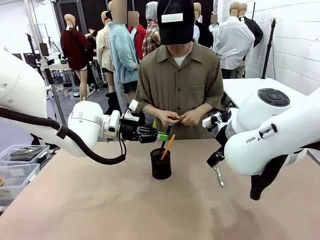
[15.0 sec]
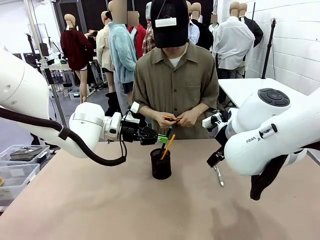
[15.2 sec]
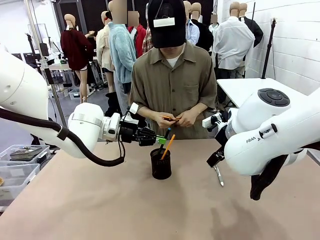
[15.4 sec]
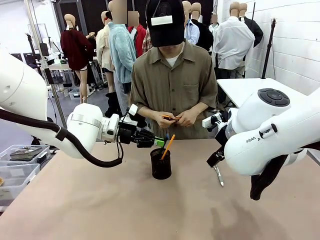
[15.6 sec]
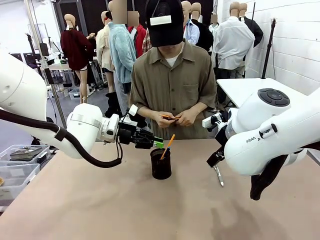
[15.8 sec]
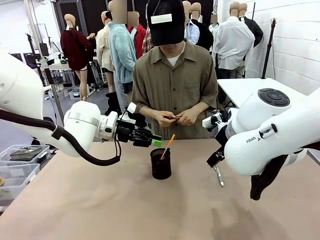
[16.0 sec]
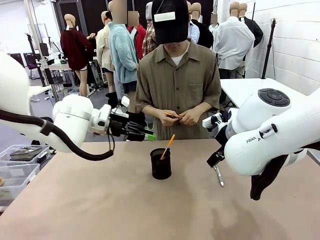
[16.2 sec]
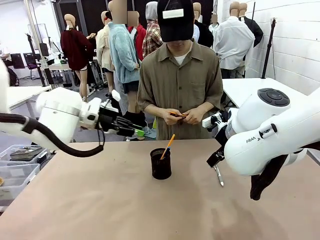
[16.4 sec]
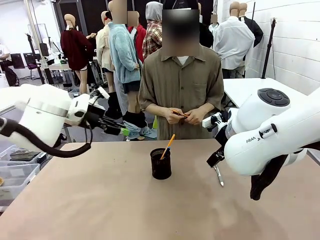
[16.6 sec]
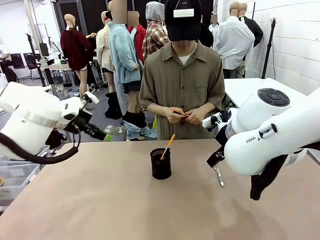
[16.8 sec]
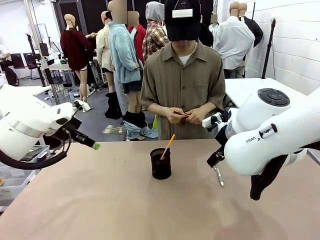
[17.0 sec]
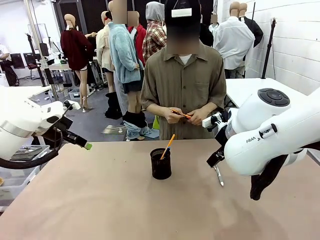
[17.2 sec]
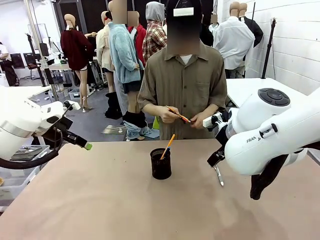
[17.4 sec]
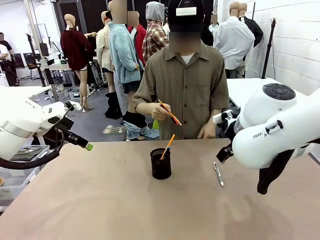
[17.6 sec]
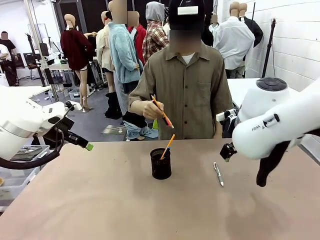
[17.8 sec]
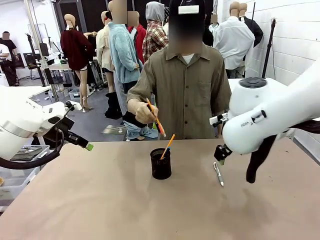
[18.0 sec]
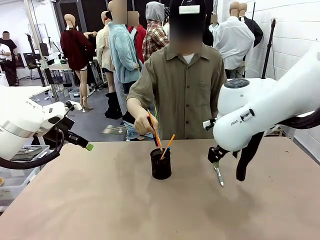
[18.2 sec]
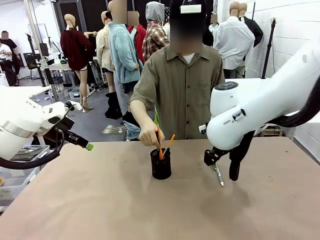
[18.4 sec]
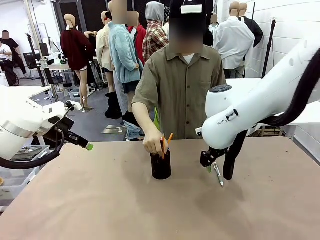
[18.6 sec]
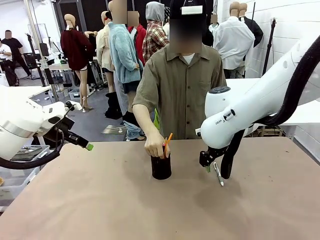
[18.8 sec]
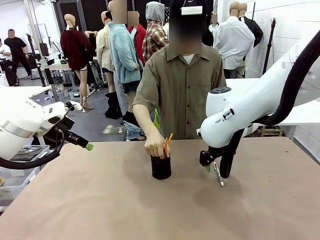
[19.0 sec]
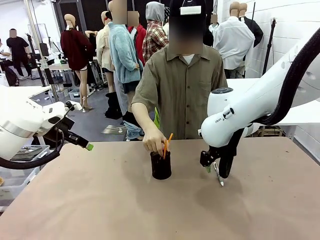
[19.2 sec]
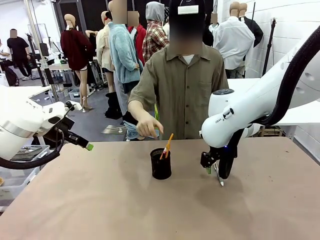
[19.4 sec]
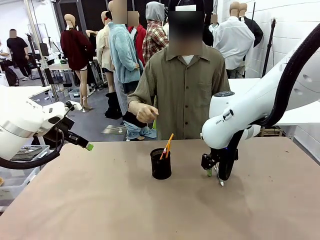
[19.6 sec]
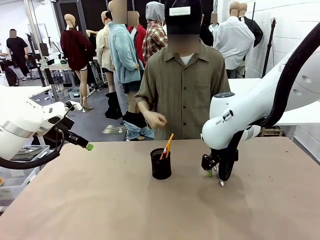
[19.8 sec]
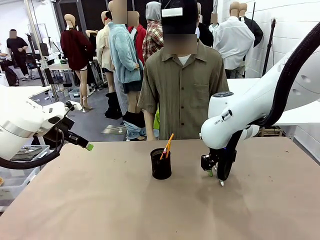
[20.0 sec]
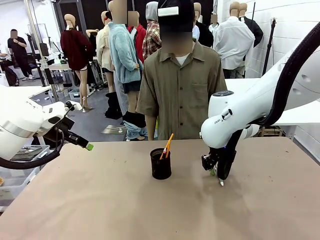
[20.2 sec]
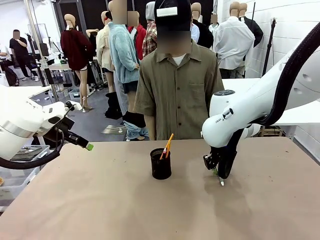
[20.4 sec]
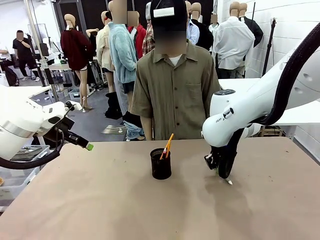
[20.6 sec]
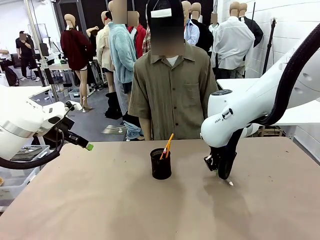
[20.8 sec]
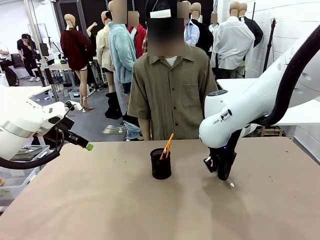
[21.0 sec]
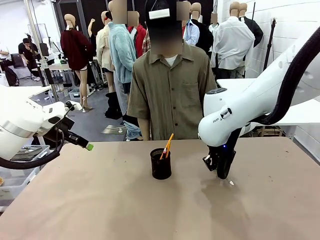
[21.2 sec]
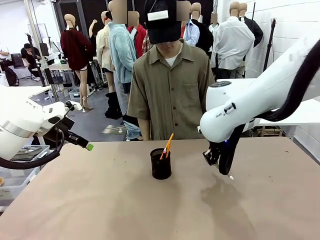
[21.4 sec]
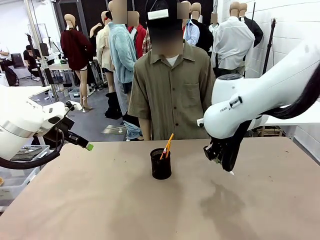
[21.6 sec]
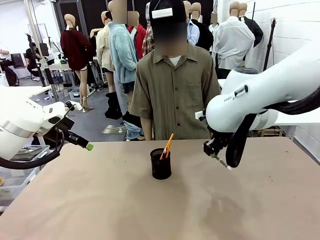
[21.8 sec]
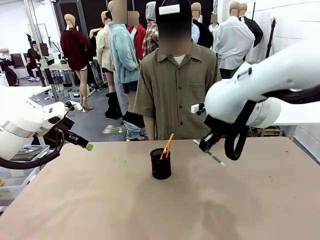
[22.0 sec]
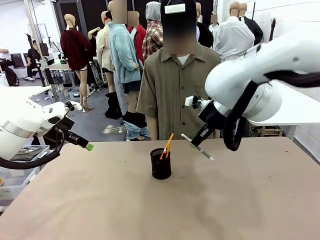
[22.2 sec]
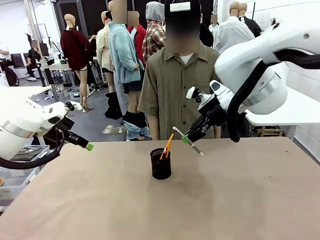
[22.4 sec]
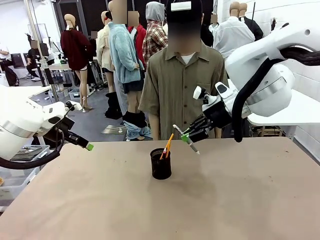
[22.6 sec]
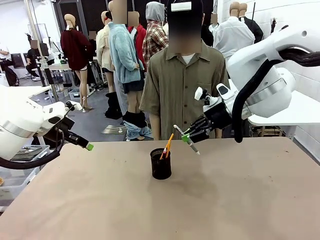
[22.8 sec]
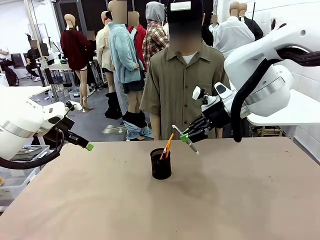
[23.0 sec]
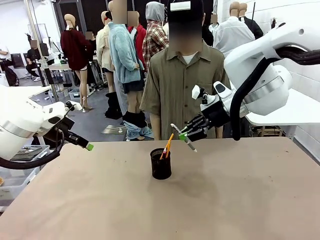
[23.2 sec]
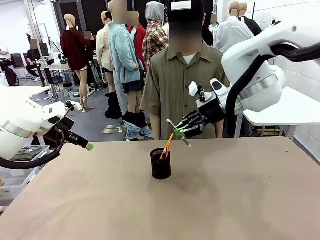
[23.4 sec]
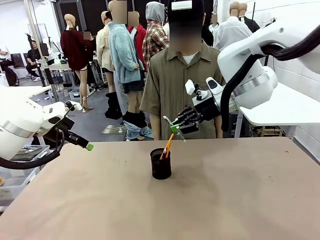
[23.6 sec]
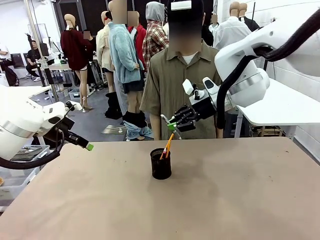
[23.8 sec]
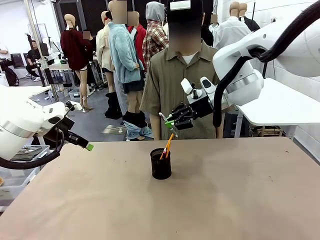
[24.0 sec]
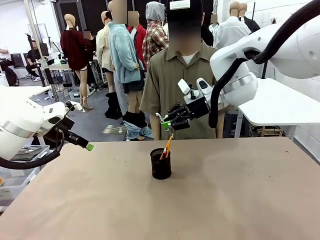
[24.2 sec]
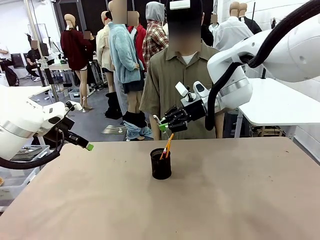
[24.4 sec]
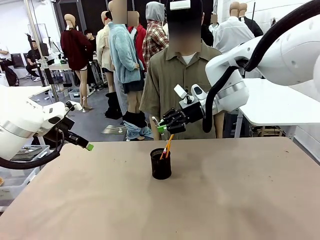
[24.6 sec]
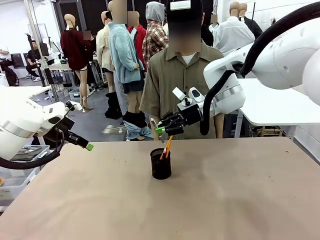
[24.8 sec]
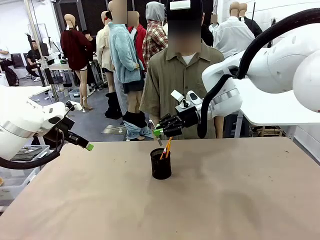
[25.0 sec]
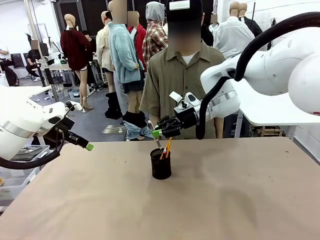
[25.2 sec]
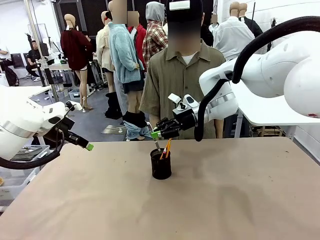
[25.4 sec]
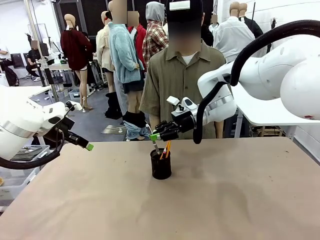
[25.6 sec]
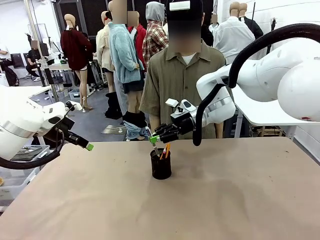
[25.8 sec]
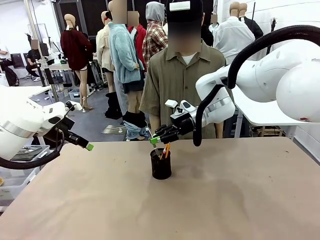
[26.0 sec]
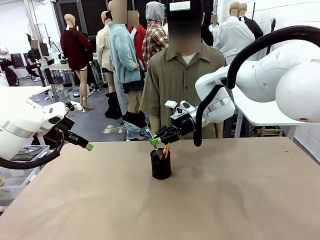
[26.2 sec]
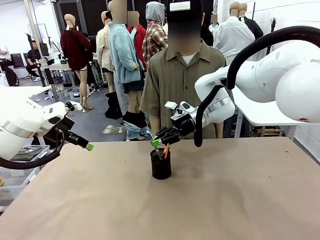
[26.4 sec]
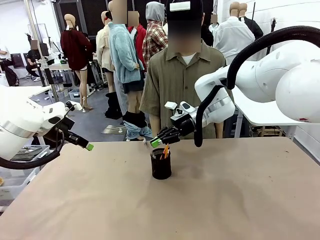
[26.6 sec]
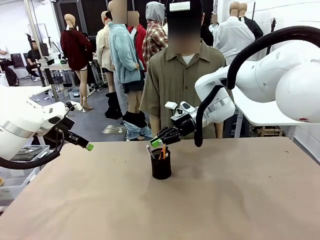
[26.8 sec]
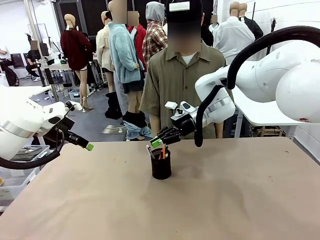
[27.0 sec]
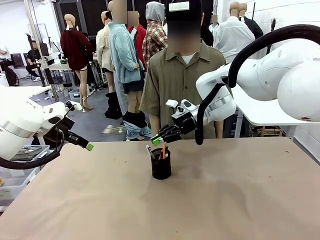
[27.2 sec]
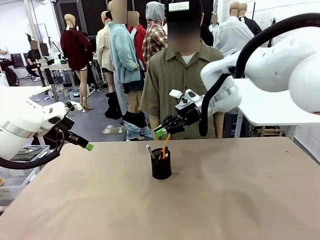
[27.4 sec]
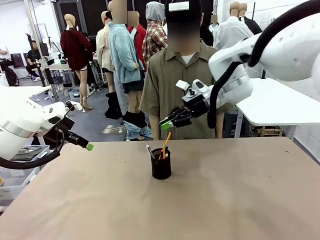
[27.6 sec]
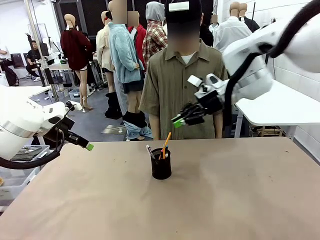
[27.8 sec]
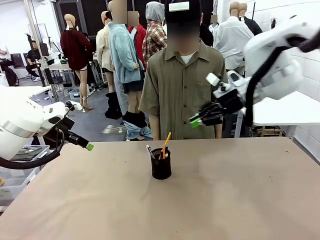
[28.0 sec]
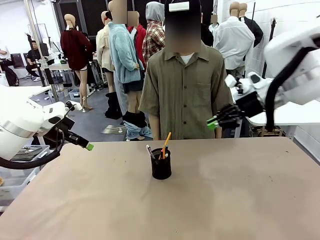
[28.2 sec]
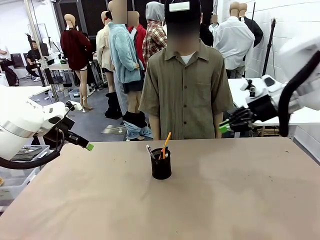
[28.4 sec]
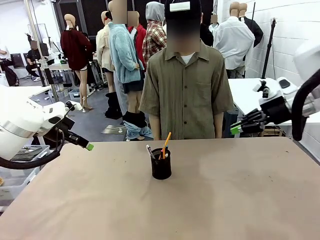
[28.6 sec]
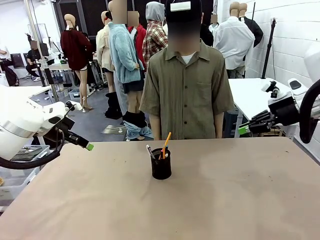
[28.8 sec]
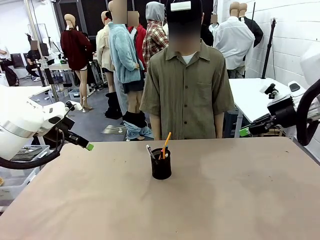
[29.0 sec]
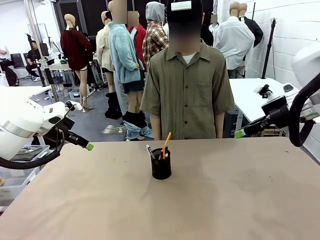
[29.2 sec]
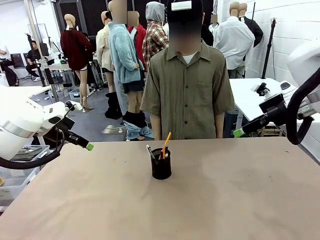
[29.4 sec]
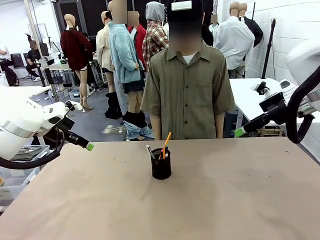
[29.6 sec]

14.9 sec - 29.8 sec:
Task: Place the pens into the pen holder.
Robot: Pick up a writing instrument from the table and place it into the Pen holder.
Person: Place all writing instrument into the Pen holder.
